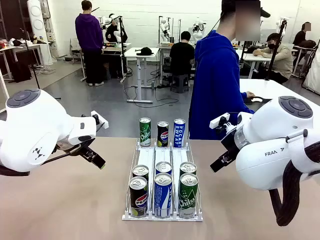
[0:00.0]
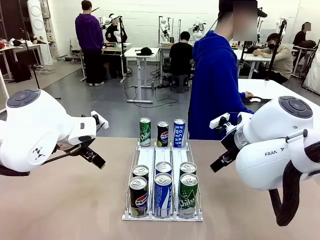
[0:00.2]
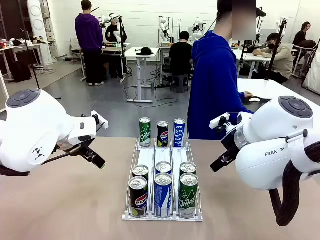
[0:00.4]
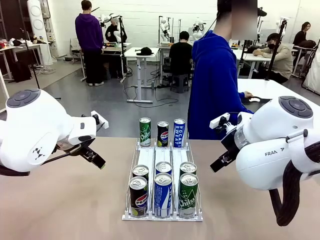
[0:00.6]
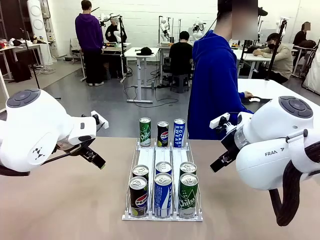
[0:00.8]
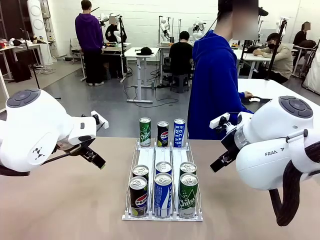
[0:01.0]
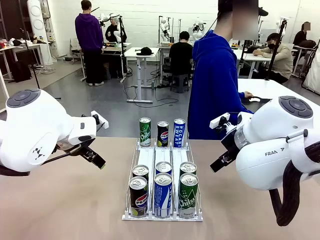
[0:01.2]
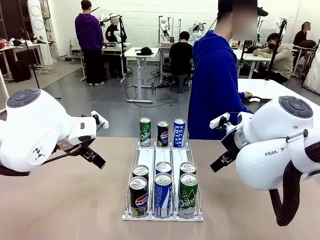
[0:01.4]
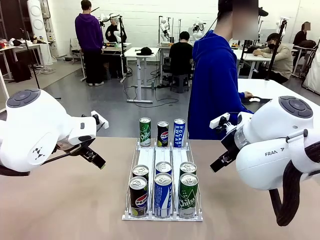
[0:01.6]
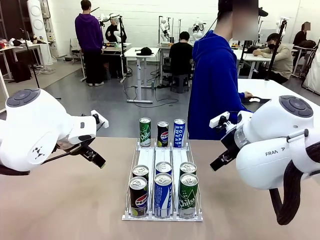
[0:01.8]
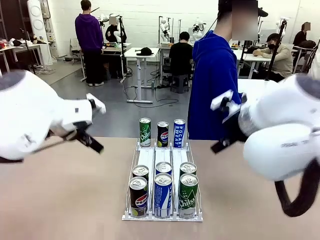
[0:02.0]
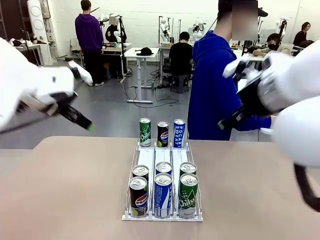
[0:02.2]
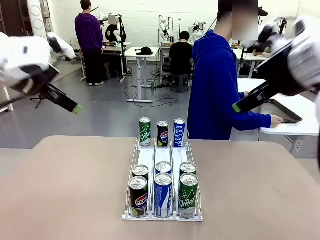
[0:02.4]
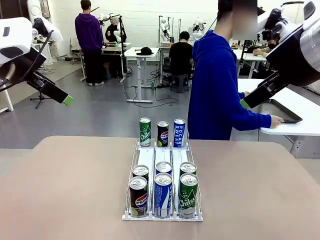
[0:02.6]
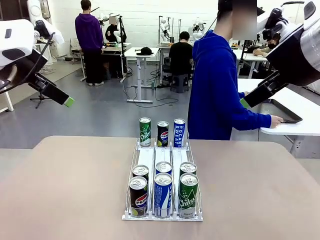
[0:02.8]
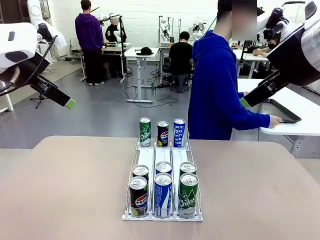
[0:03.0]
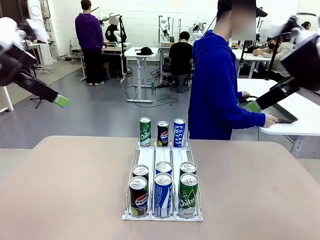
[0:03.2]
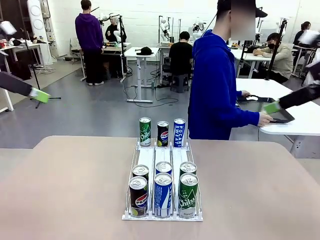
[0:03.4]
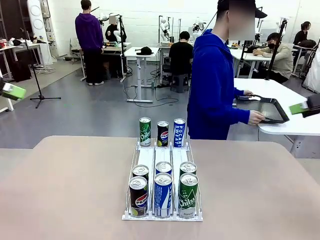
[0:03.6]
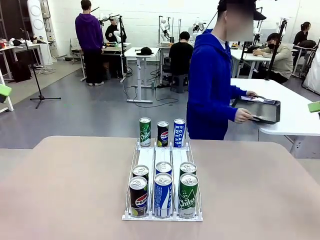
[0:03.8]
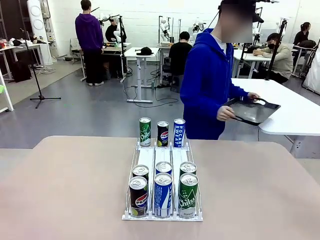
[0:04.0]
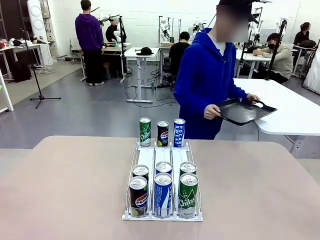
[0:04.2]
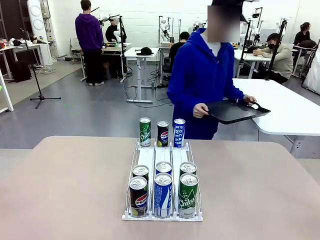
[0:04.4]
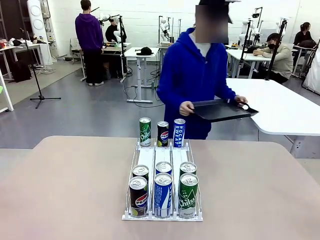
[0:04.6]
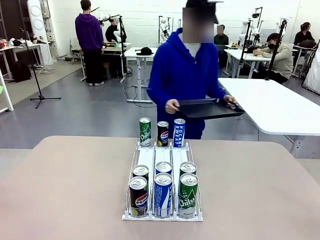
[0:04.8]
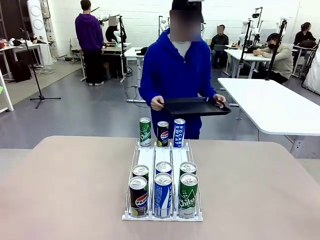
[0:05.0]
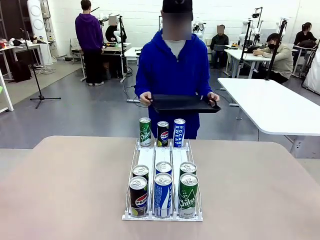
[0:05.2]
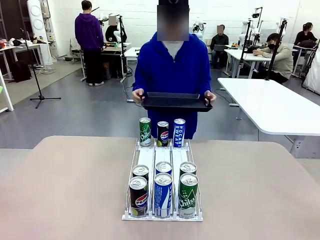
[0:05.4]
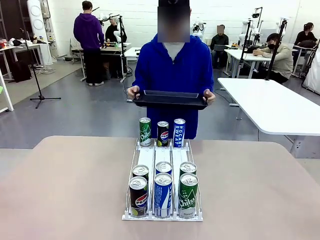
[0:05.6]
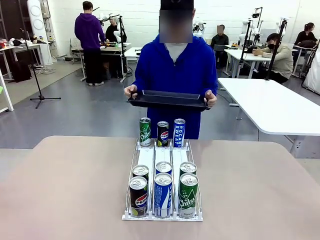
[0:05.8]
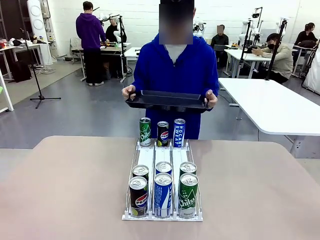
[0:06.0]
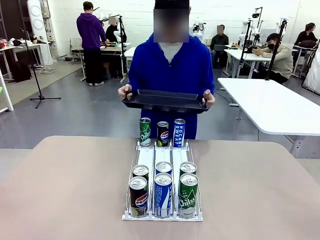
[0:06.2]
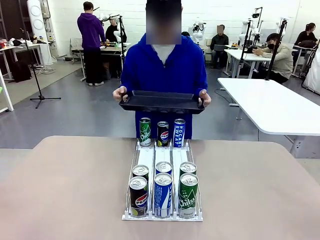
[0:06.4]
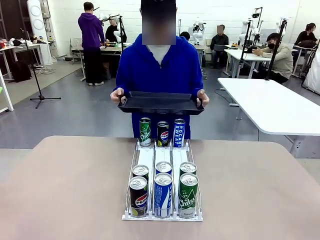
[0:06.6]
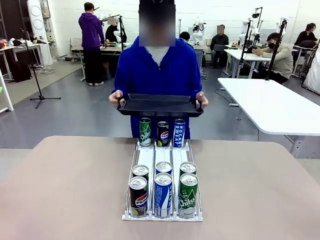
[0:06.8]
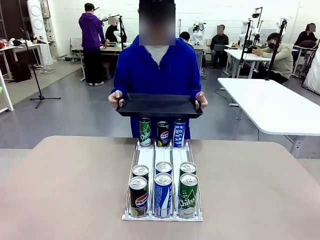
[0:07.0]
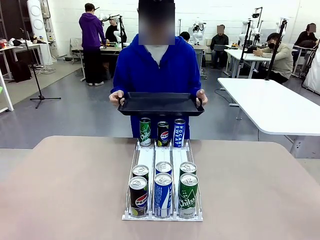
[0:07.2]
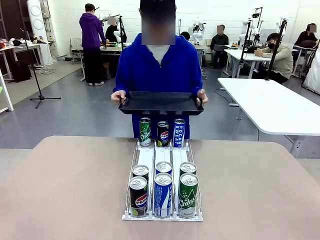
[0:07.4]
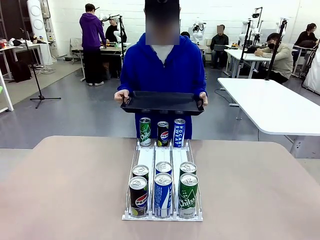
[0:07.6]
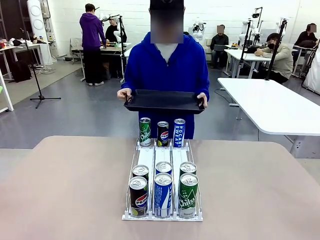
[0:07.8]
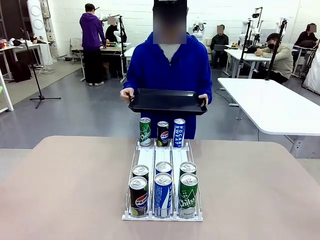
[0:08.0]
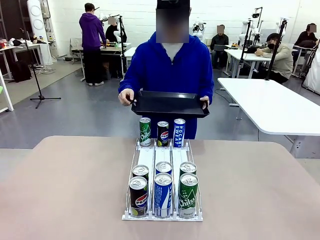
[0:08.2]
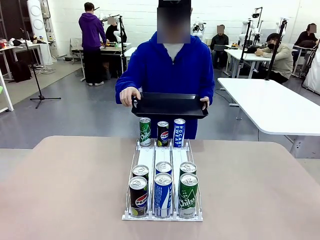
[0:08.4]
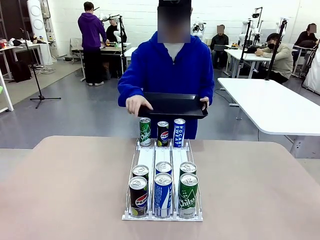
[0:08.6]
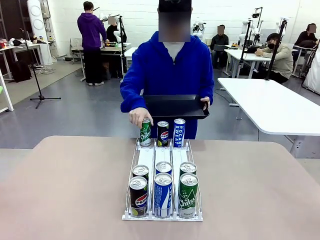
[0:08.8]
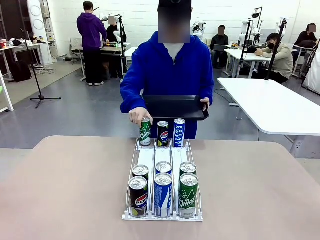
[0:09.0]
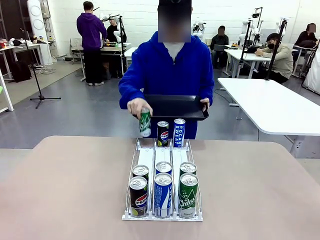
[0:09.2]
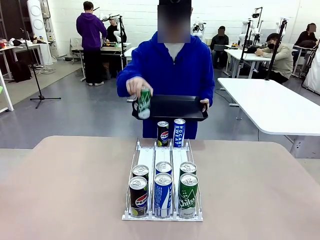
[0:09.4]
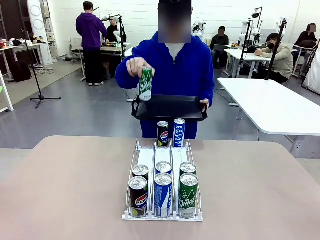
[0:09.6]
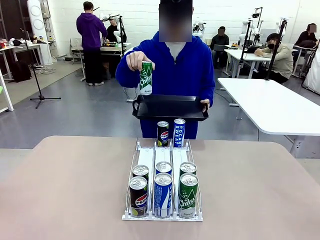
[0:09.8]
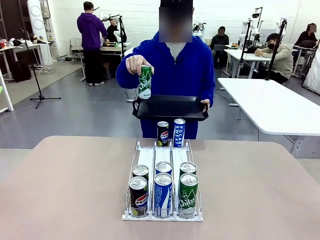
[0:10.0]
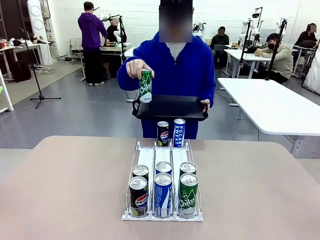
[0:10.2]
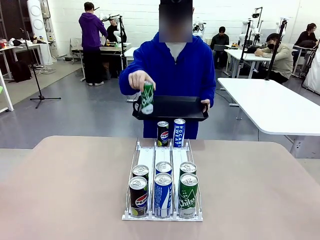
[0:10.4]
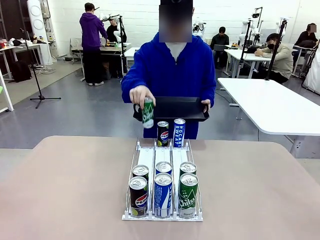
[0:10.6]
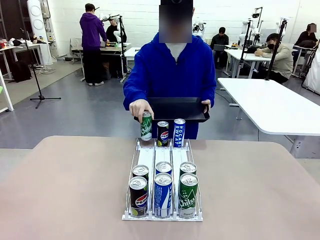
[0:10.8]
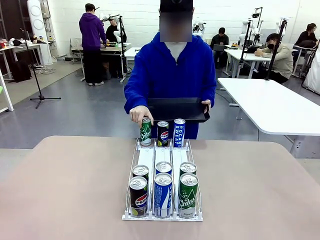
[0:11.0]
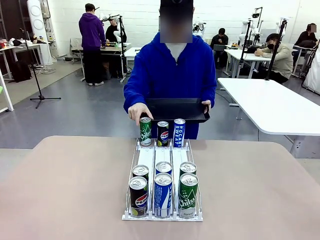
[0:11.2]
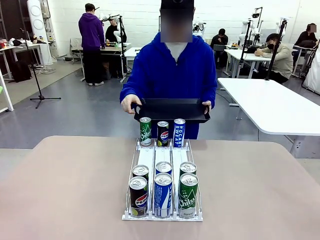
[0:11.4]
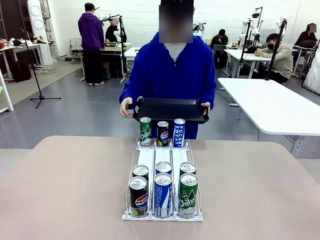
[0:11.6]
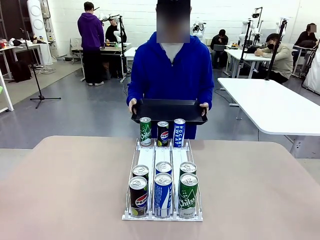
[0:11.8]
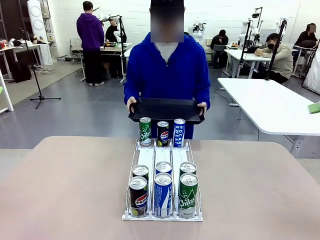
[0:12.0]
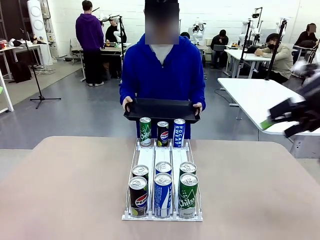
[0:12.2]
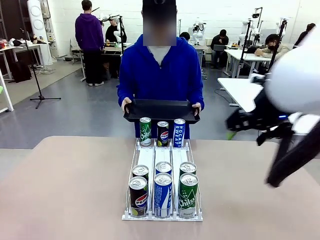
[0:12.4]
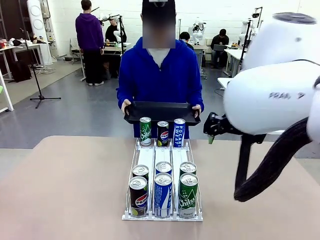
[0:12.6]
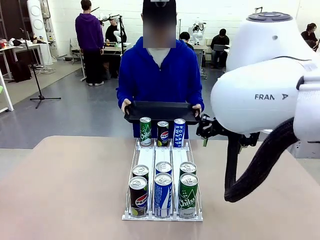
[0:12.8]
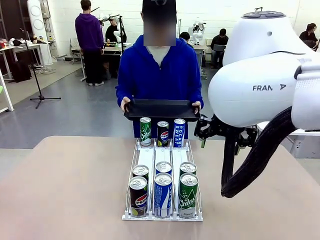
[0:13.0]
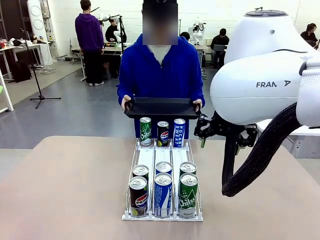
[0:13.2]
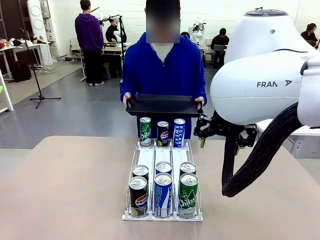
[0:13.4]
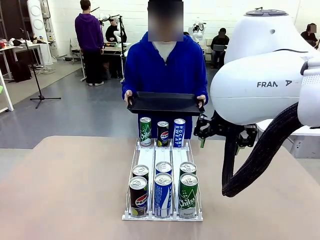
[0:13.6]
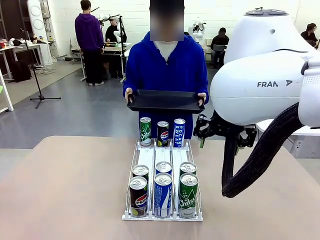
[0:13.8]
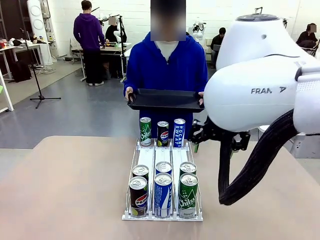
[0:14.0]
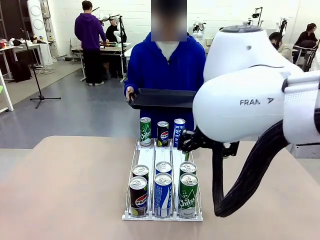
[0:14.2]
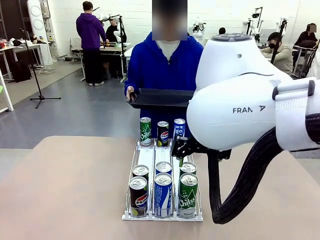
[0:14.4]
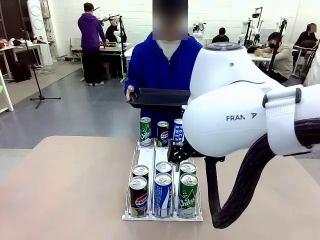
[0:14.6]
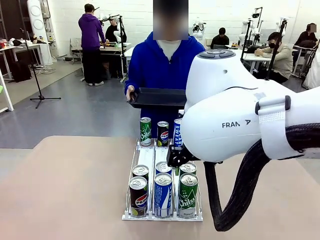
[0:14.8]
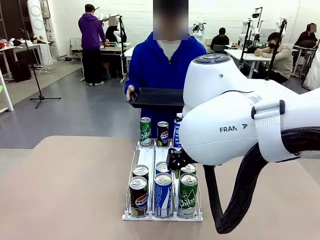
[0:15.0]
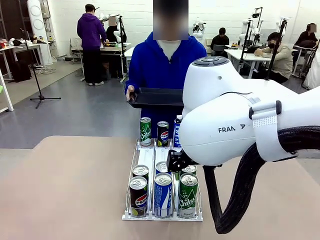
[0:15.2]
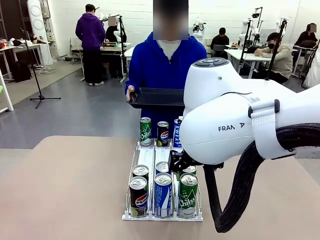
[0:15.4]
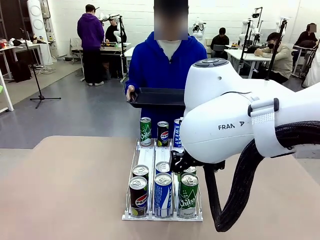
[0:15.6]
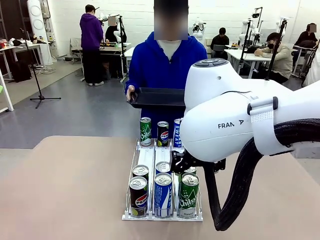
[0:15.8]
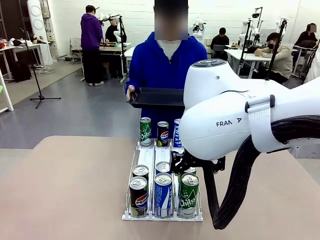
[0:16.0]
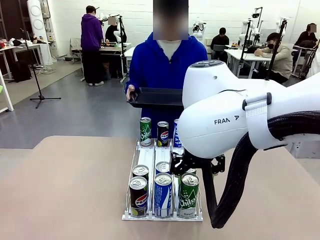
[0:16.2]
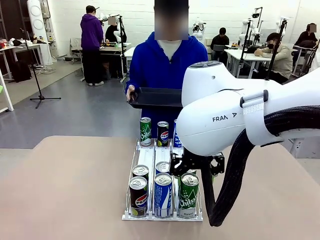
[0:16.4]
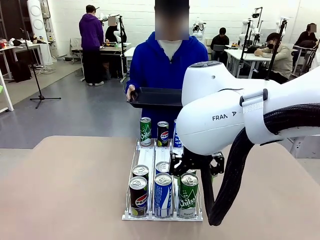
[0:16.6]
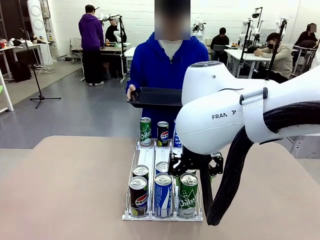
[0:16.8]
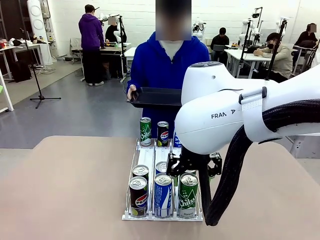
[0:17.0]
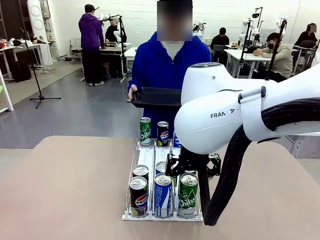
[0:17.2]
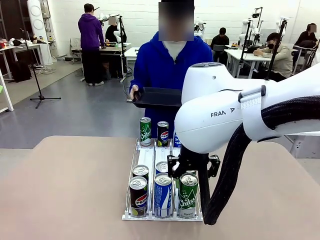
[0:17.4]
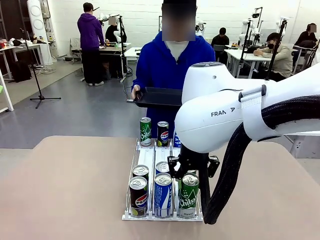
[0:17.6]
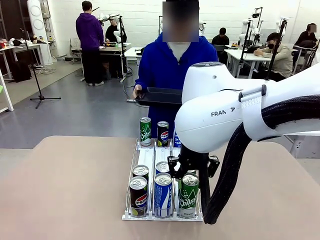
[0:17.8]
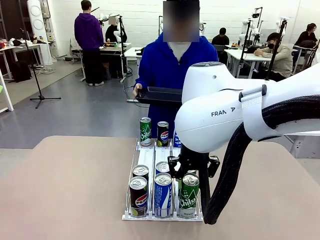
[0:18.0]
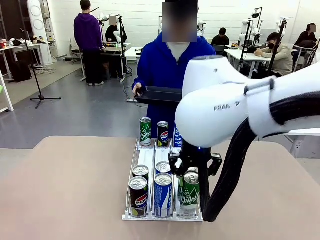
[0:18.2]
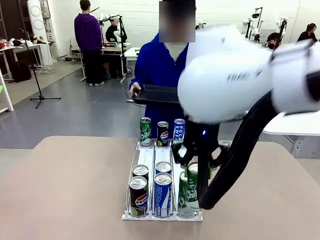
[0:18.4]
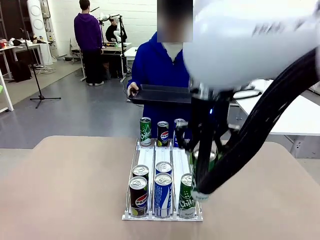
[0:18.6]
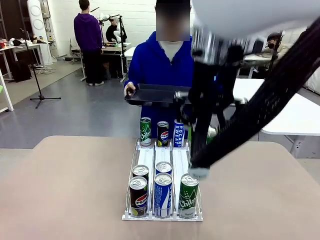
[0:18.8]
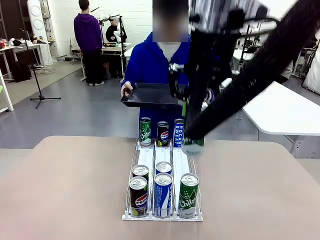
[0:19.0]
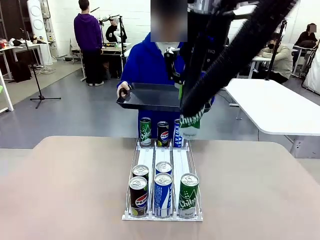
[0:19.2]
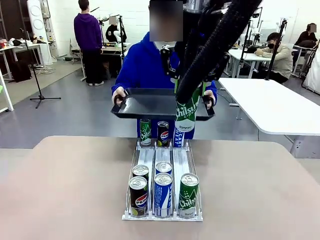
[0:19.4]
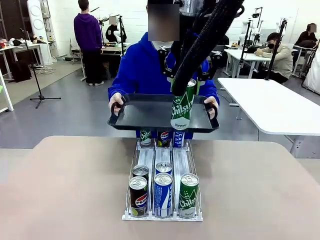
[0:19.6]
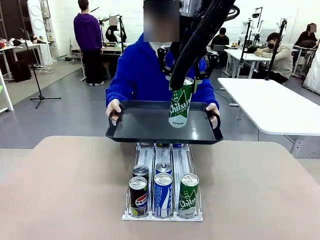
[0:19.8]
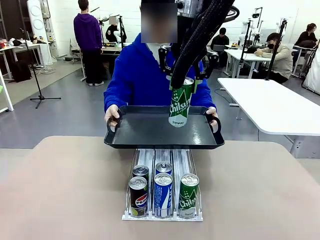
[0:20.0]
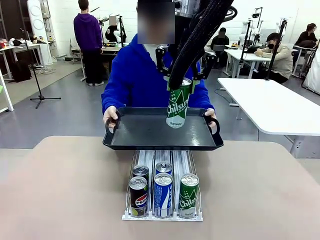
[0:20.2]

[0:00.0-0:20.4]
Task: Retrieve and hand over the desired beverage to the person.
Robot: Pick up a can of the same type that the person held from the Automatic Can Dispenser.
Person: Hold the tray and position yourself in front of the robot table. Pick up one can from the bottom area of the table and puts it back in its original place. Push the tray toward the robot.
